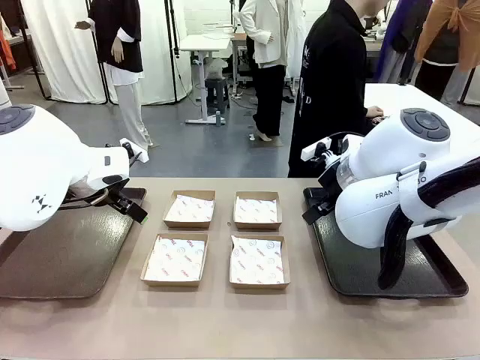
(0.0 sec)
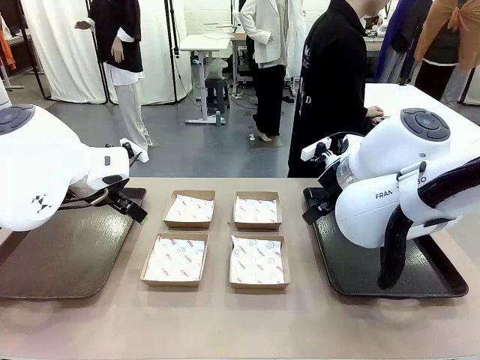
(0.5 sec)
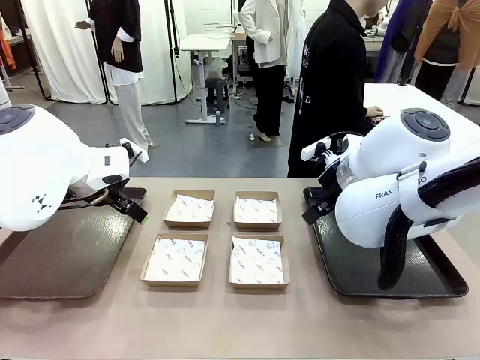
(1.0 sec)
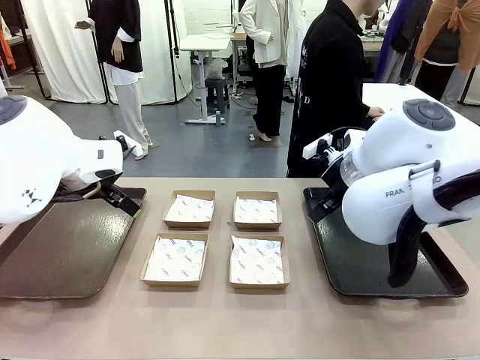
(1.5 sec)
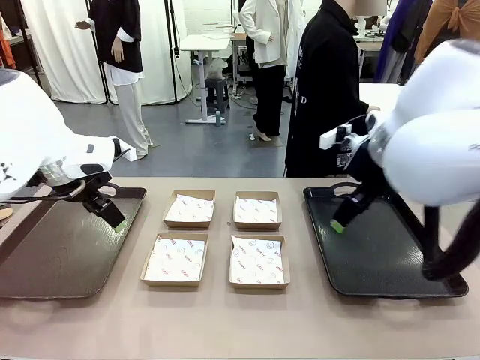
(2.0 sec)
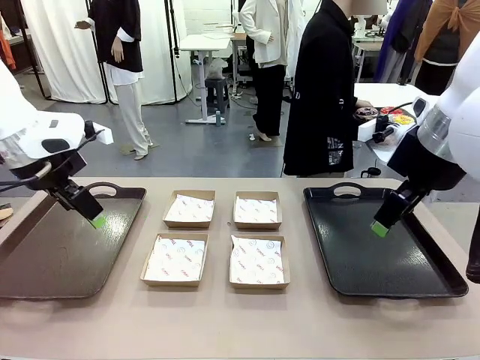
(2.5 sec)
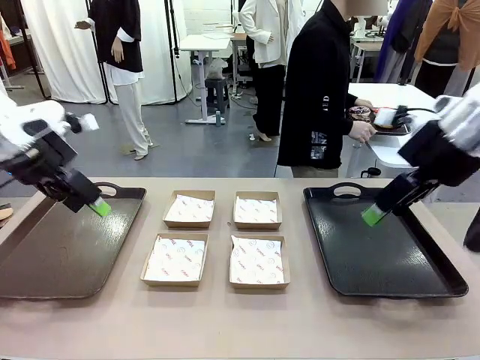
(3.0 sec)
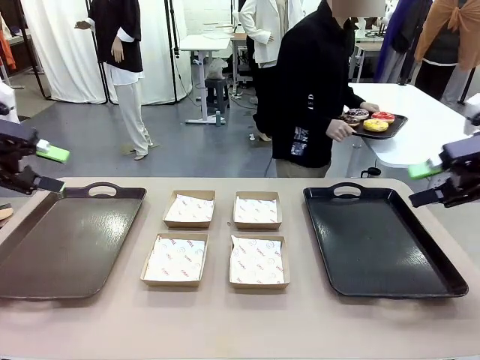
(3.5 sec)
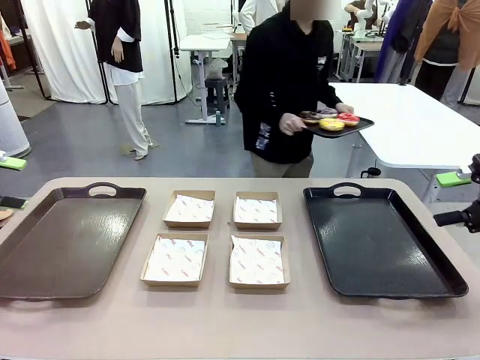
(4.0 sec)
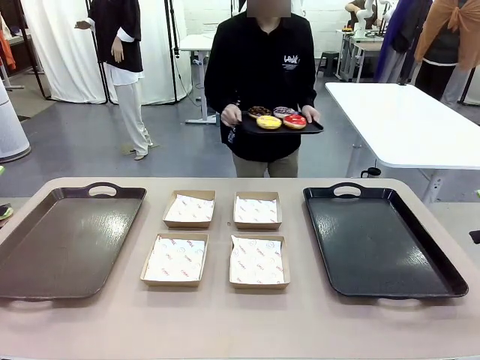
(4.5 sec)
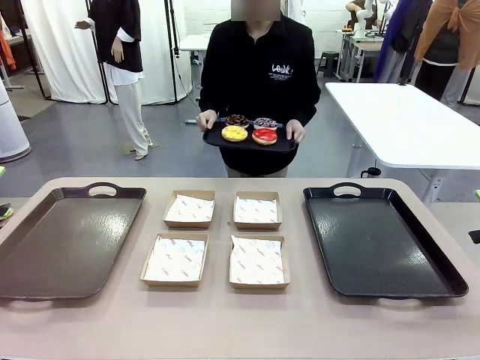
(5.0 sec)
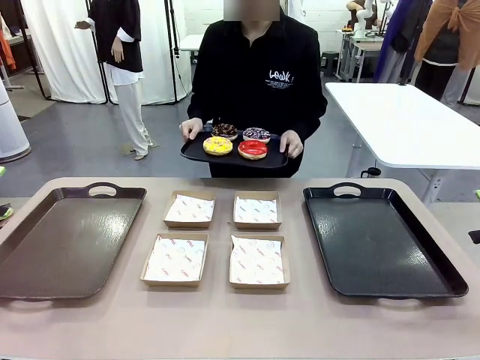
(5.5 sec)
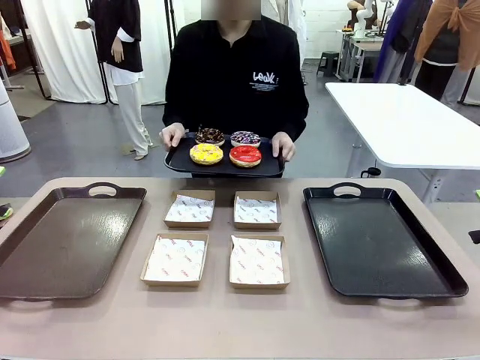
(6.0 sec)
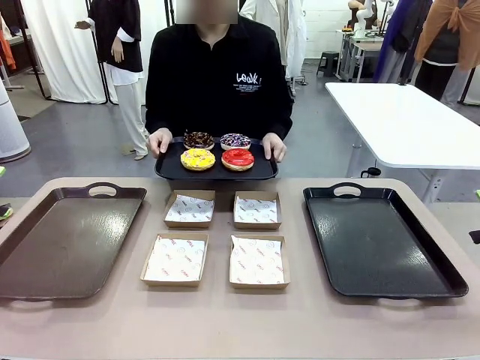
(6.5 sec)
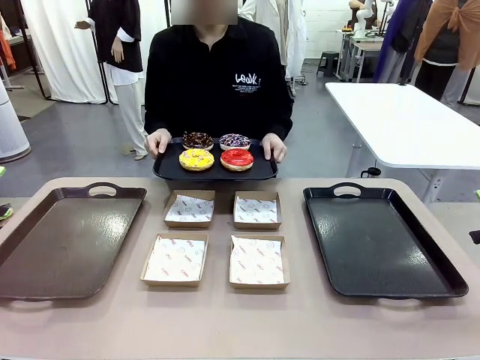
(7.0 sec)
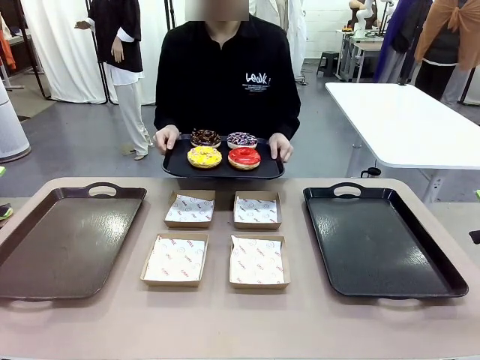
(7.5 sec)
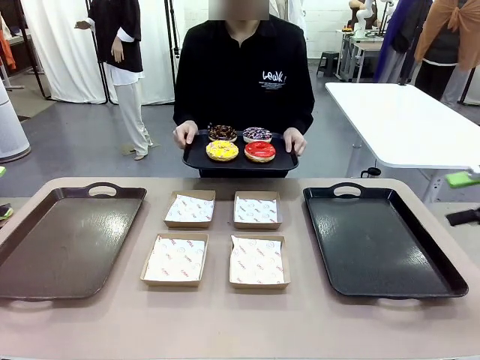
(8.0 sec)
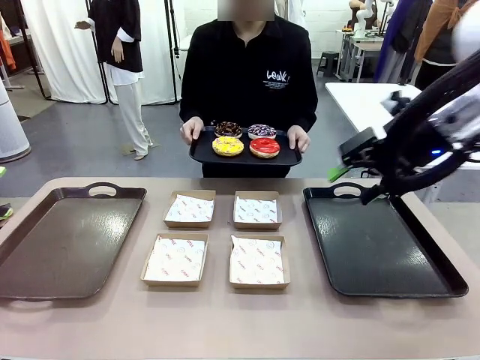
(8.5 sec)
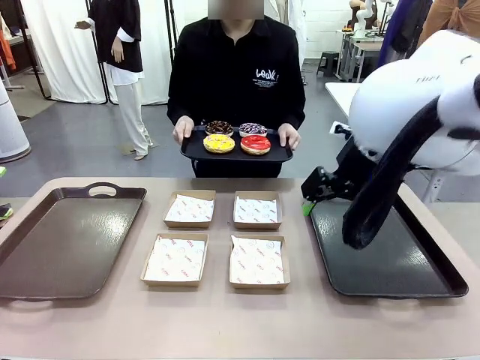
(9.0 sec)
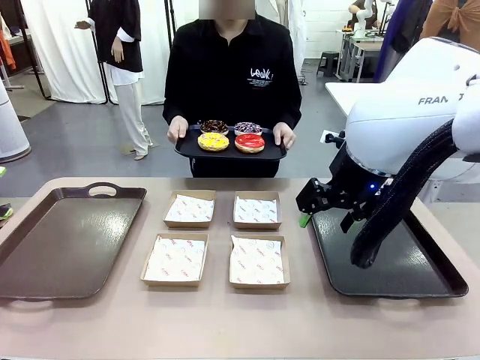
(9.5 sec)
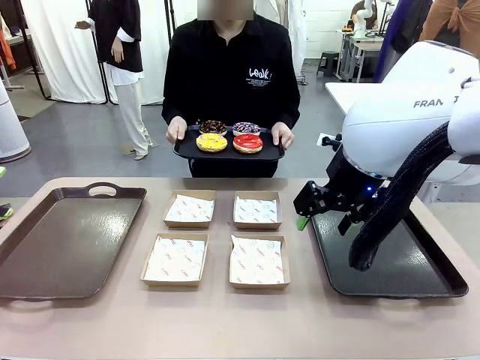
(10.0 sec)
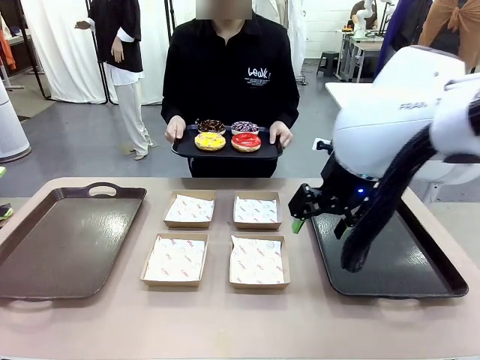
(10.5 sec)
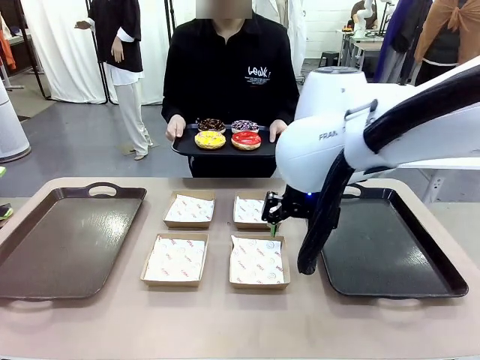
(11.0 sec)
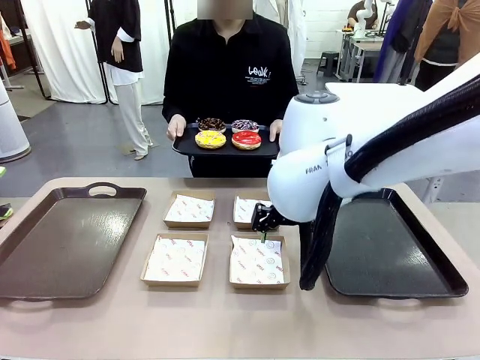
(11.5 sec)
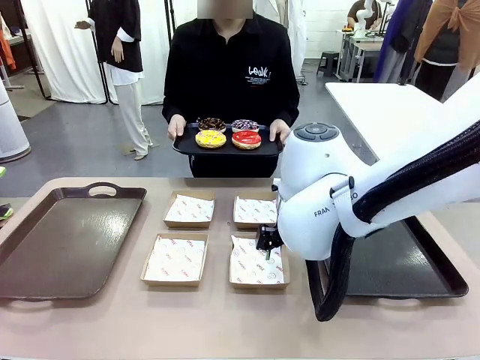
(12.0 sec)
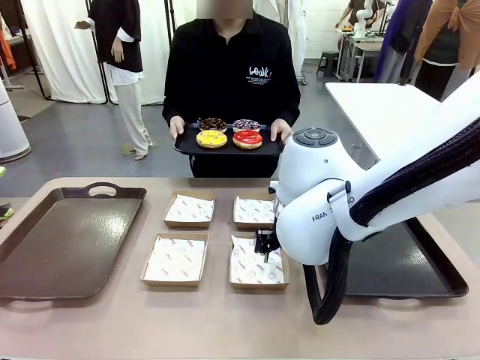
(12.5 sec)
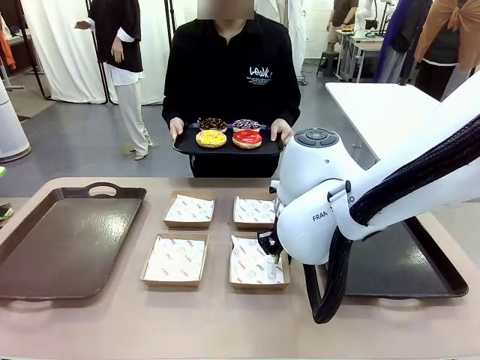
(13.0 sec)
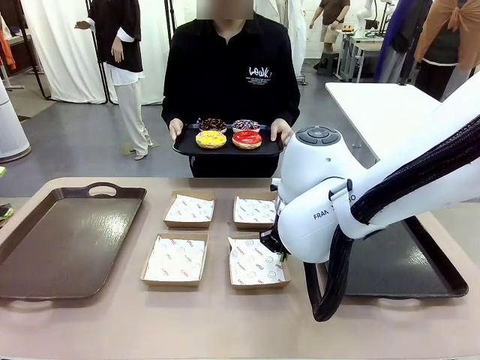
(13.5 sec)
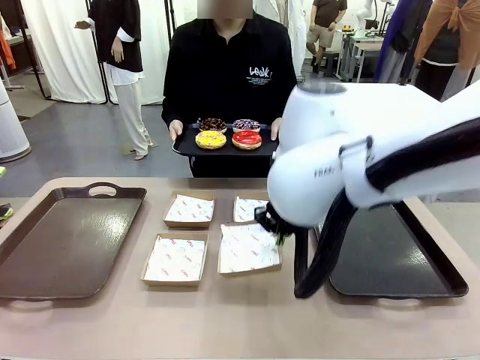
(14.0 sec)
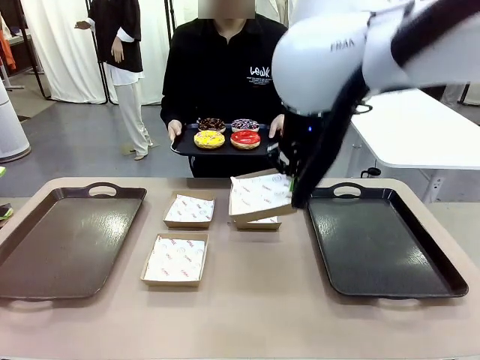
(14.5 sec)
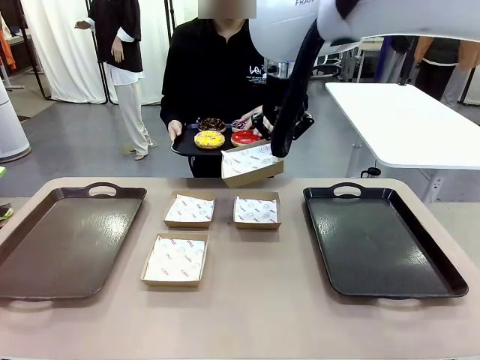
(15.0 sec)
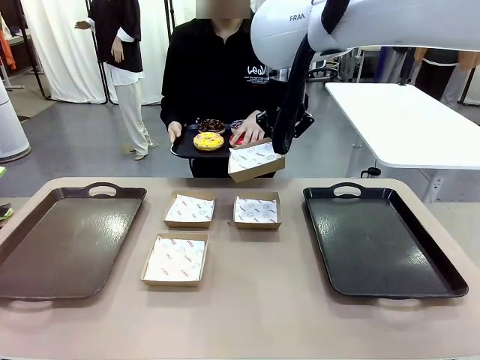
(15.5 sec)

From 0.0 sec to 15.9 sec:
Task: Individually package the donuts and arrange them on the tray.
Robot: Pick up one Paper togo box.
Person: Stand in front of the robot table holding the tray containing the donuts.
